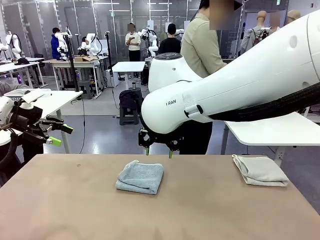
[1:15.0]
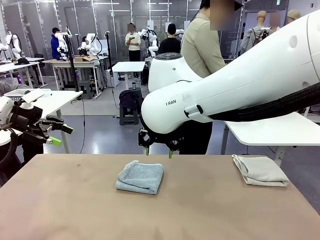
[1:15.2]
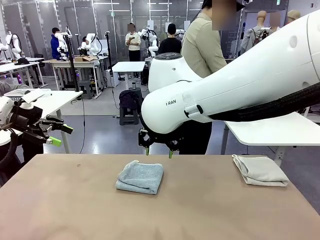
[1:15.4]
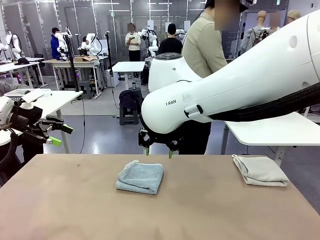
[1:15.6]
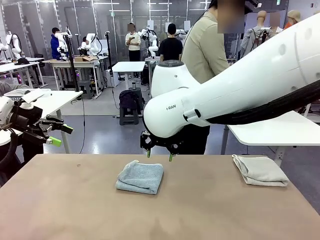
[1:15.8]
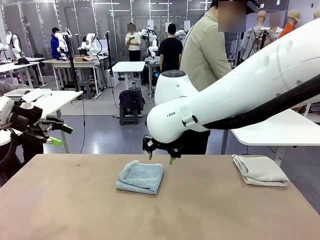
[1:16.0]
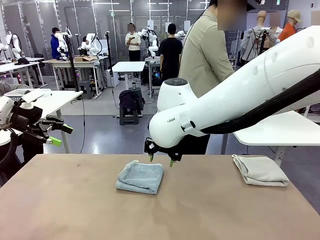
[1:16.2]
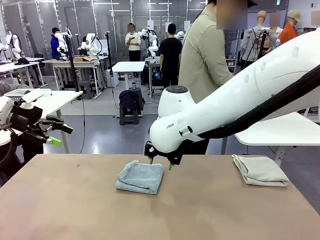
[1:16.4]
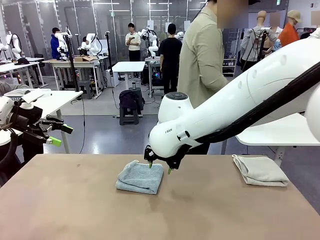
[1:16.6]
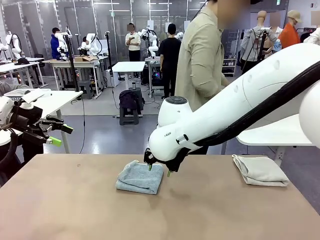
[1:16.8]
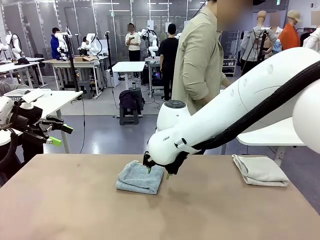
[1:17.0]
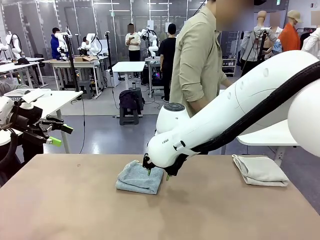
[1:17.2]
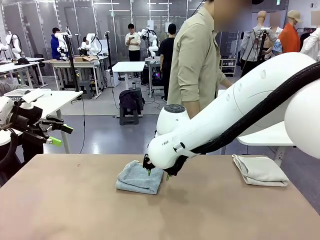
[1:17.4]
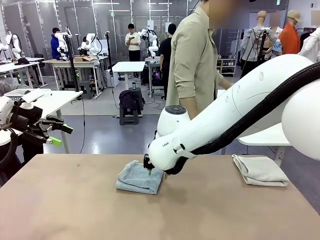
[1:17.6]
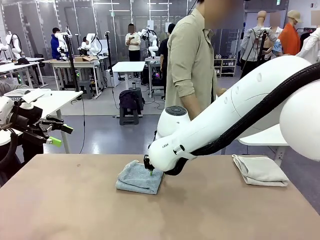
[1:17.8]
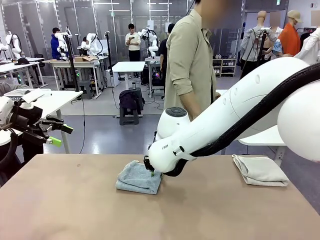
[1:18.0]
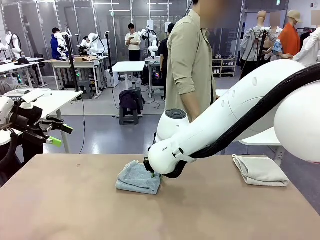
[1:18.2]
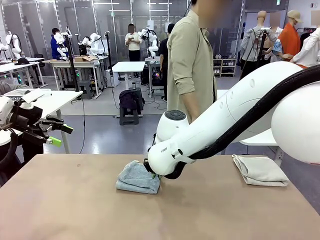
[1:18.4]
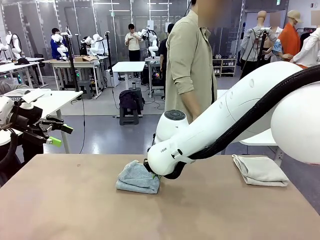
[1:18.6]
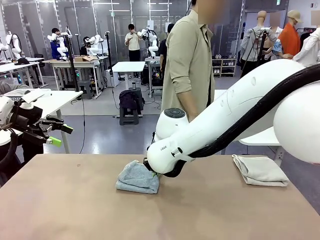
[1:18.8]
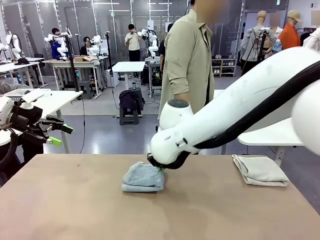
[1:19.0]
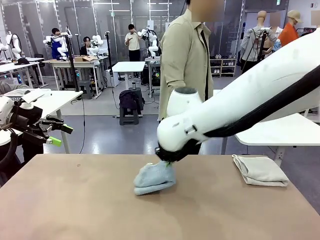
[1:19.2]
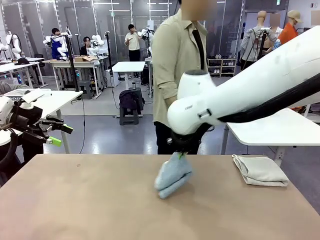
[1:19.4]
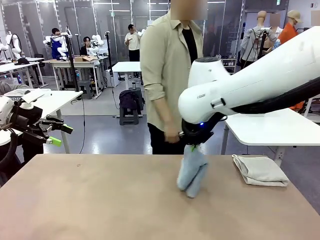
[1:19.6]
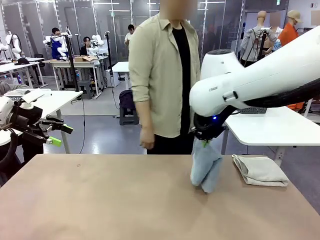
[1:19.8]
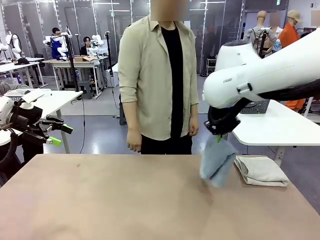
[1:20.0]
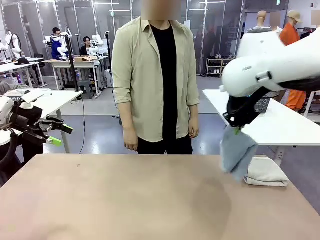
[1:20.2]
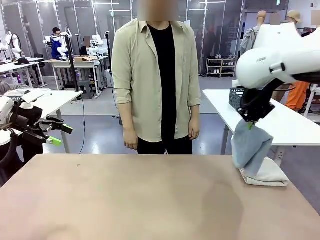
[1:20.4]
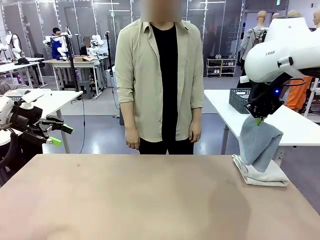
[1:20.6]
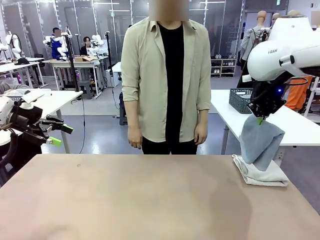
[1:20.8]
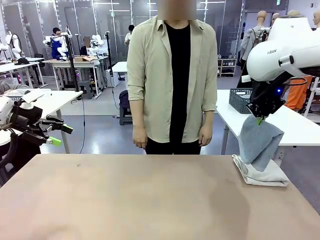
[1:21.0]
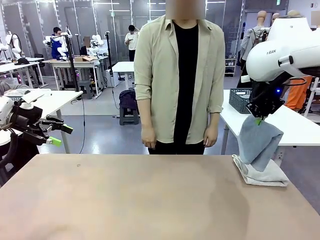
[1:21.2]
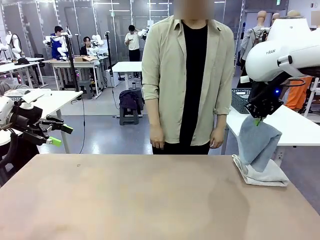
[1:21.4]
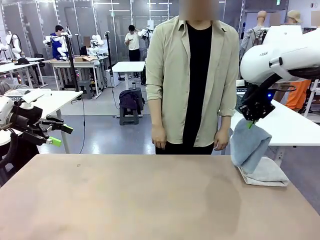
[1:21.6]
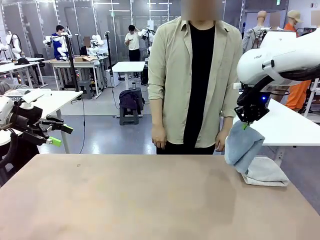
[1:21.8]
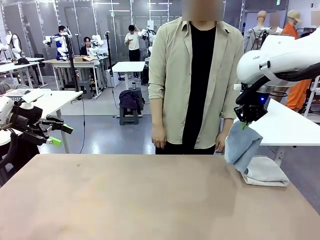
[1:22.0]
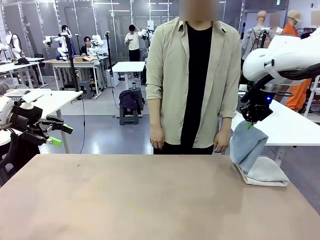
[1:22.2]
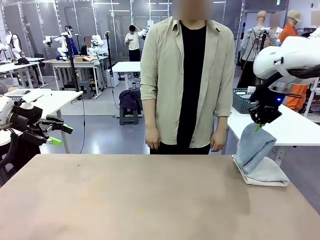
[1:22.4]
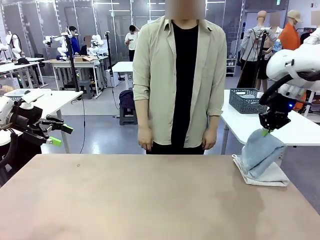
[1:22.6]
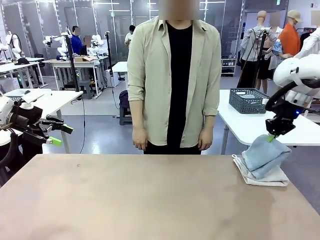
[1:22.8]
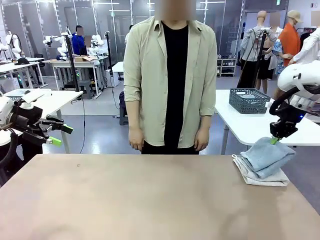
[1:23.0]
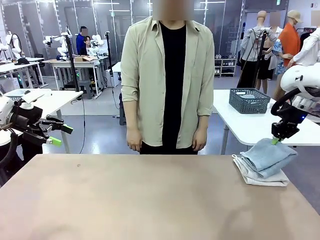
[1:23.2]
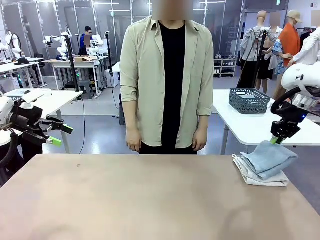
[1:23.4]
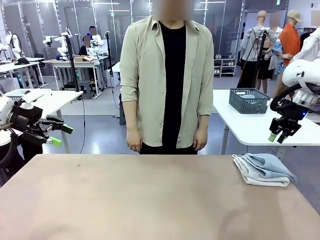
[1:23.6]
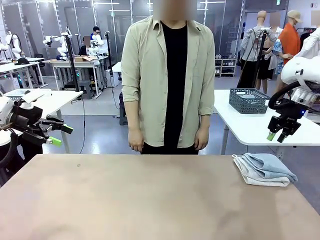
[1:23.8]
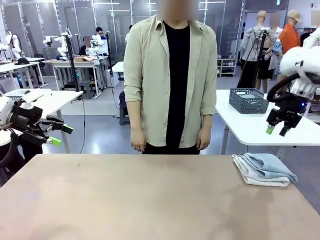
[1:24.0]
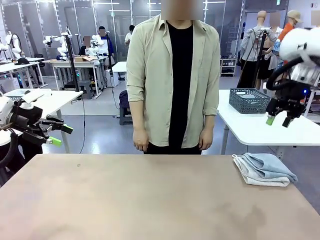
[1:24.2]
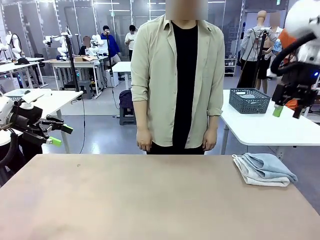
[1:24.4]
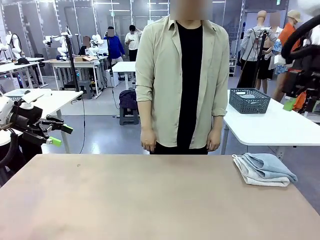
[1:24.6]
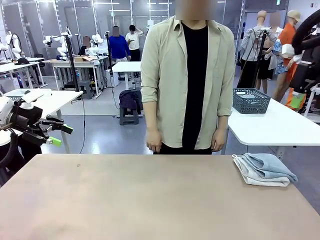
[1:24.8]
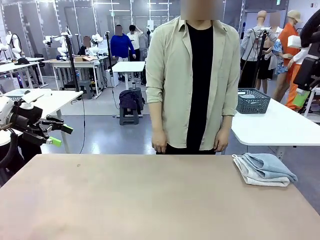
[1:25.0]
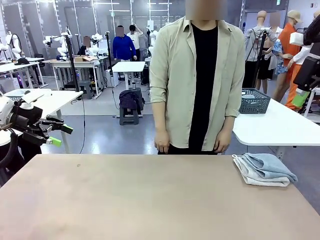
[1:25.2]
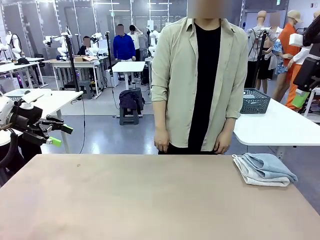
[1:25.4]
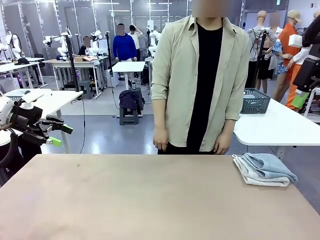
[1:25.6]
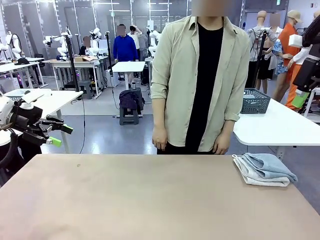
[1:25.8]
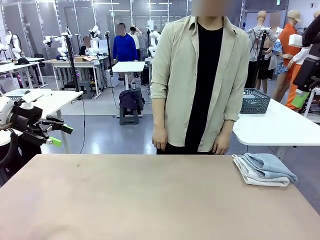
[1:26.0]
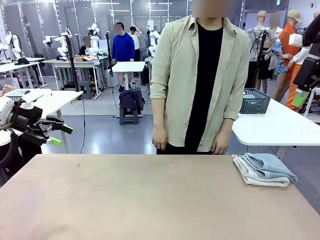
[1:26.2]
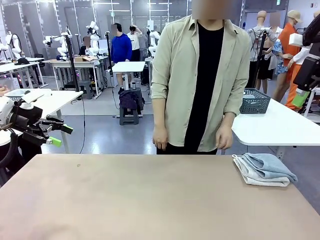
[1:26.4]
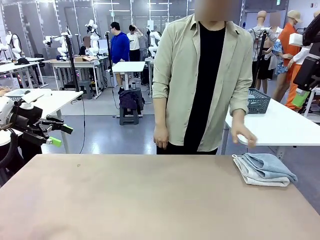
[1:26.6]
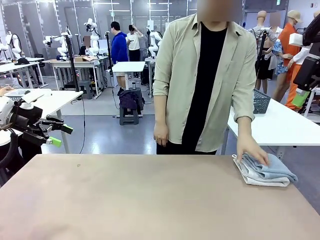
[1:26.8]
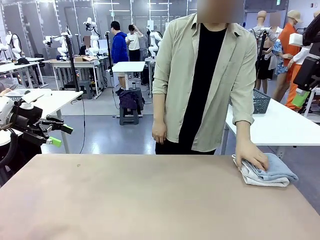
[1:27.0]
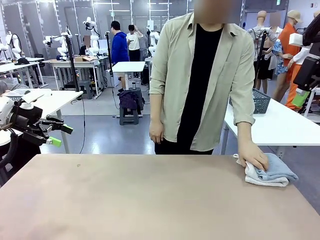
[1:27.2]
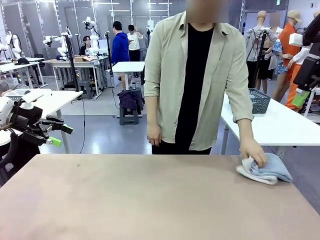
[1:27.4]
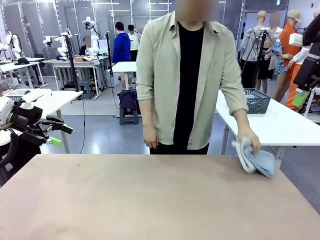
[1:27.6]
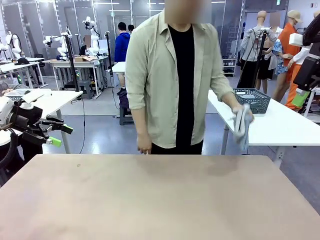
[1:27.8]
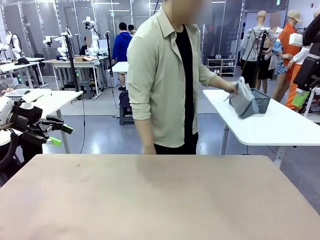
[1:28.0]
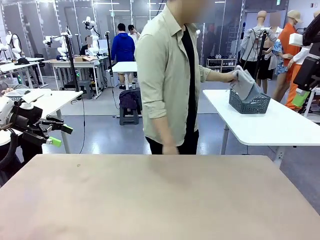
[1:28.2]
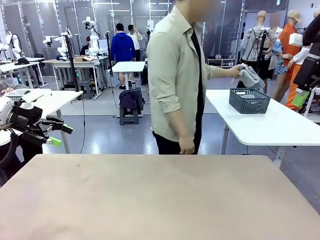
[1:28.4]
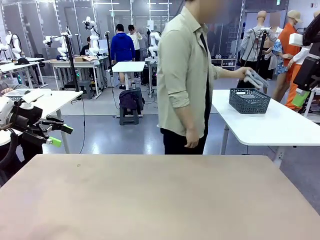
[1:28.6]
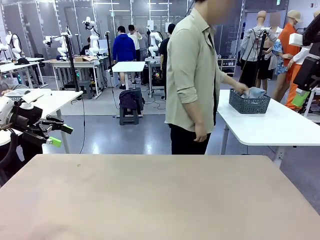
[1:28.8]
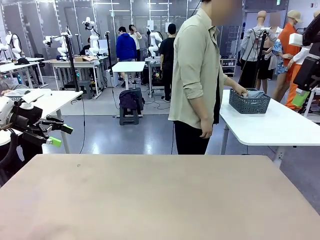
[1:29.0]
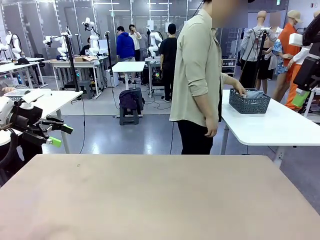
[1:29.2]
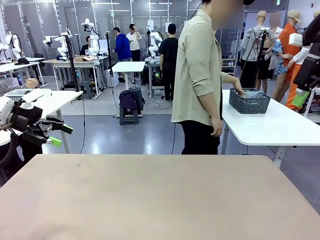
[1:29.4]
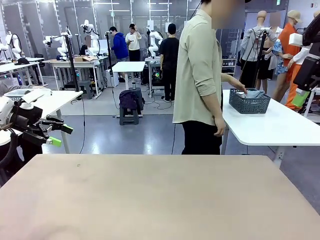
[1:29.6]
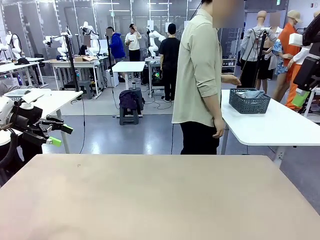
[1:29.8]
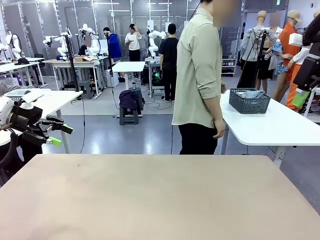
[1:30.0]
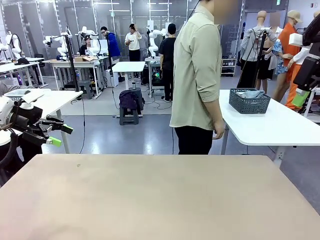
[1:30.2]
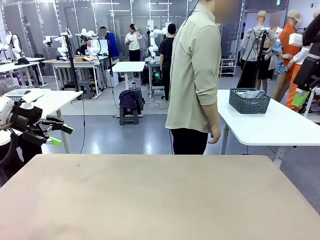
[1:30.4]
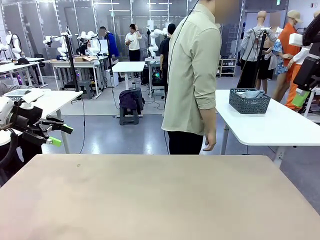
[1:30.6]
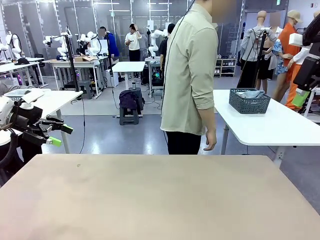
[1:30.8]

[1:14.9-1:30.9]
Task: Fold the towels and place them in the basket.
Robot: Stack the folded Towel with hook on the right side of the table.
Person: Pick up the stack of towels from the robot table and place it into the basket.
